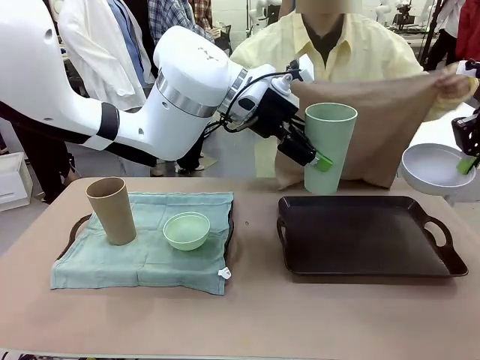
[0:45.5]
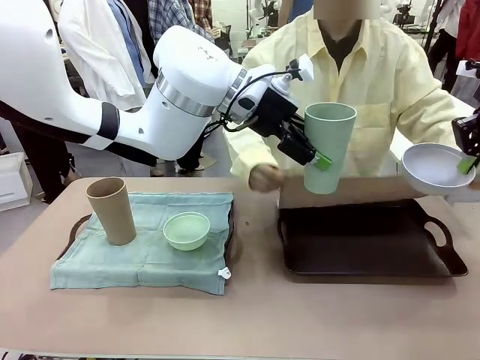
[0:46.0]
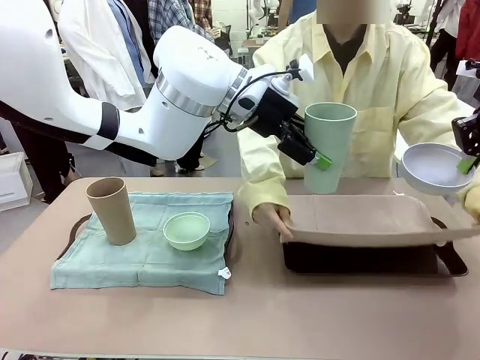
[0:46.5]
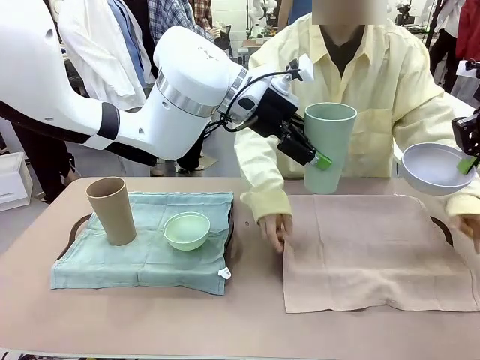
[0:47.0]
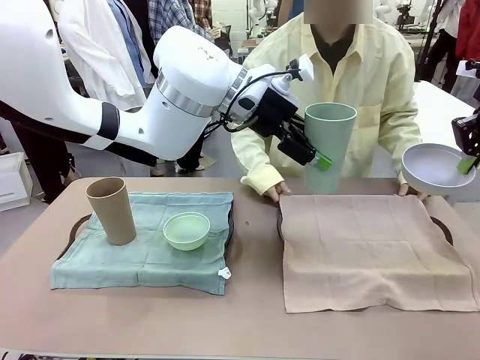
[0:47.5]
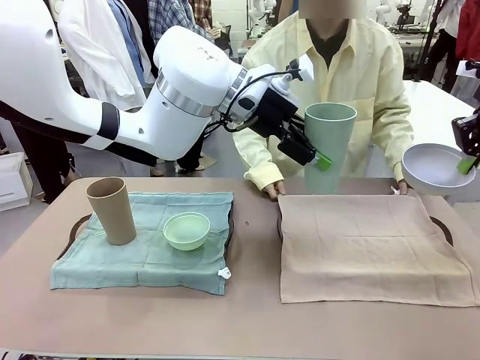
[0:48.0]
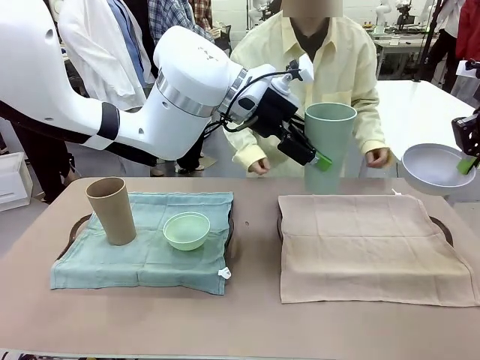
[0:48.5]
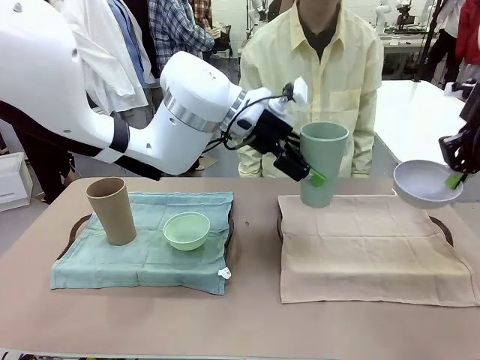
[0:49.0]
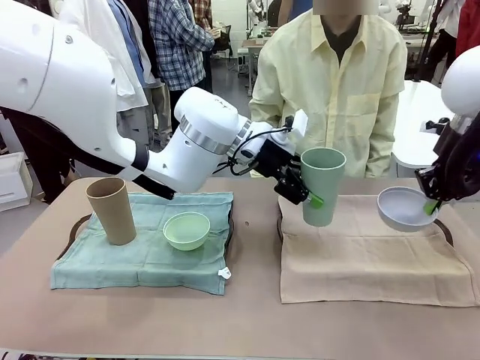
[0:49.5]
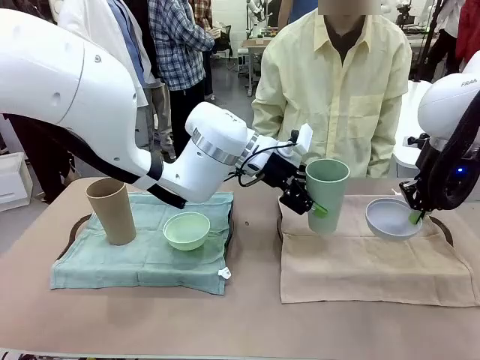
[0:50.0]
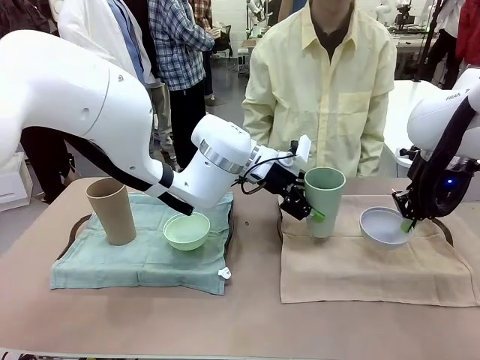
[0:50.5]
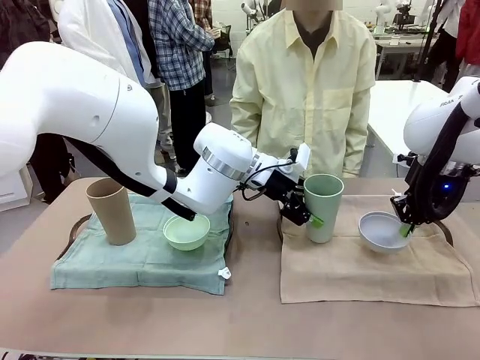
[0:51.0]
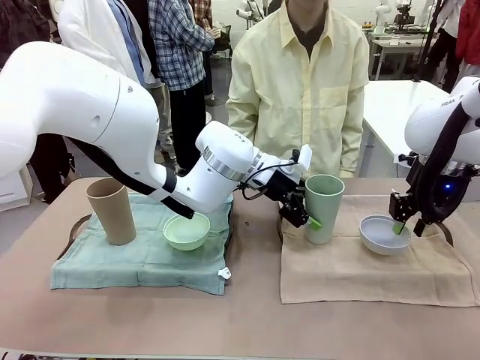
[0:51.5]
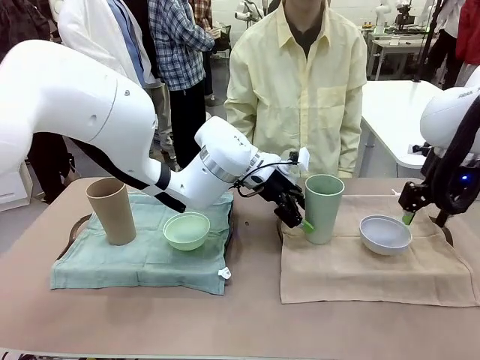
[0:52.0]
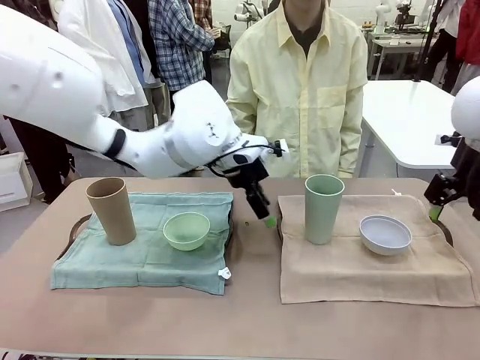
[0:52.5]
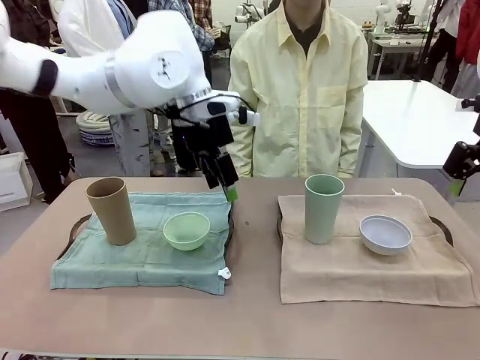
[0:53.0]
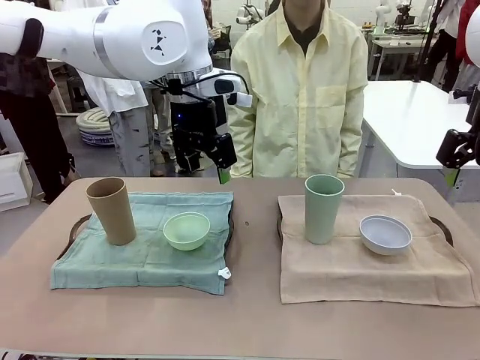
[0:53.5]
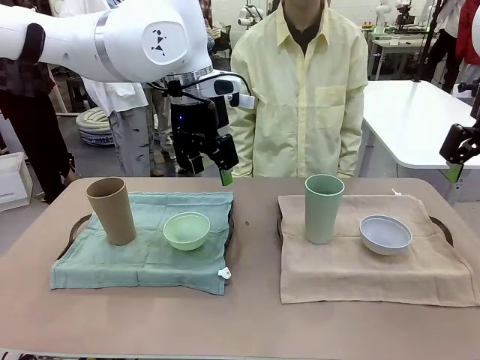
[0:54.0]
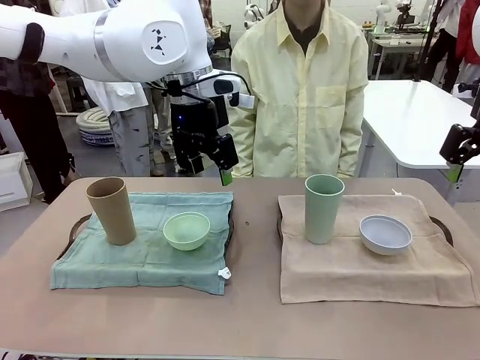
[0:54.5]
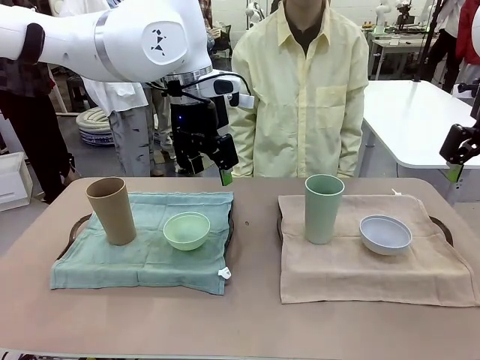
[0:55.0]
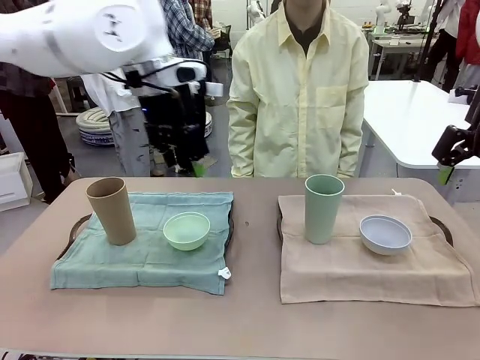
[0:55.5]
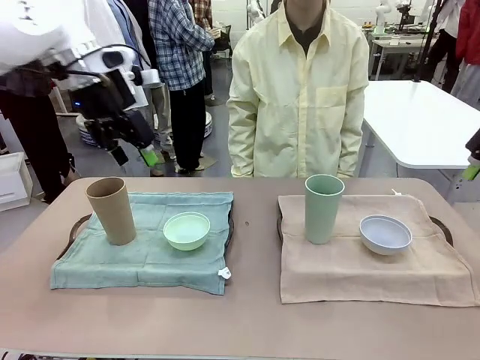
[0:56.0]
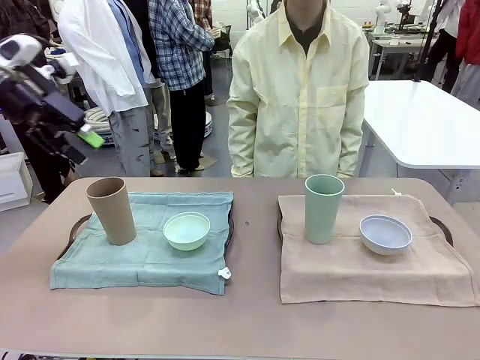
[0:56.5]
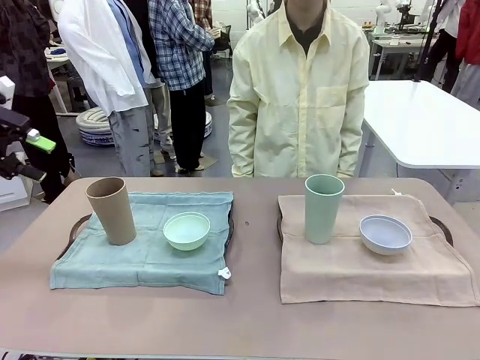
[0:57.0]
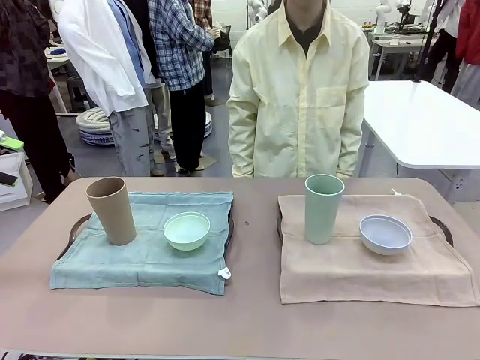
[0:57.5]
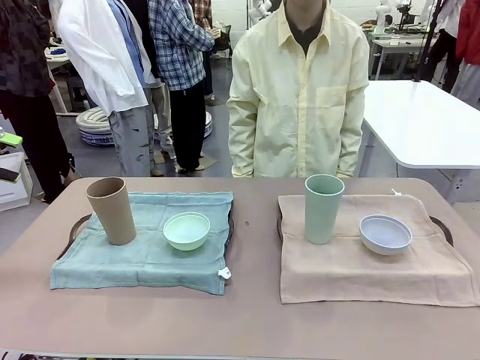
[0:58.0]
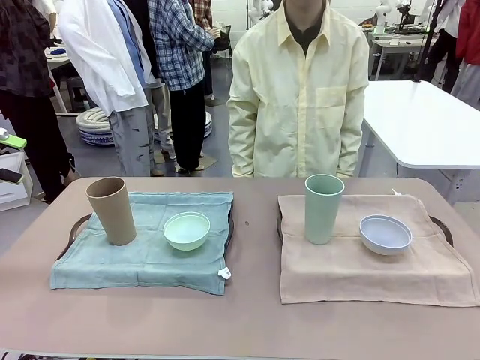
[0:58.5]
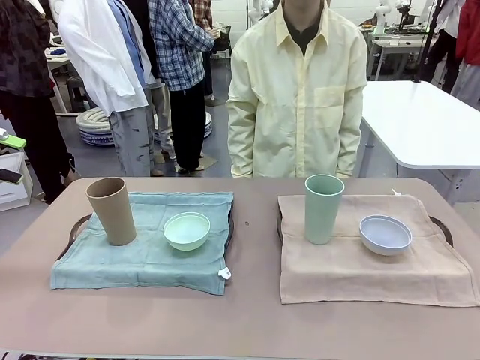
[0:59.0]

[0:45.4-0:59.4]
Robot: Place the Picnic Bowl and Reusable plastic cup back onto the Handle tray in front of the human's position.
Person: When the robot lifts the bowl and the cup, the human unfolds the napkin and lays the napkin flat on the tray.

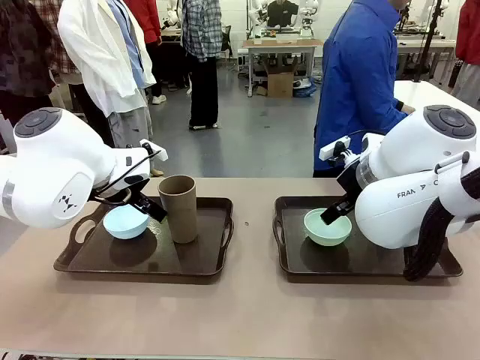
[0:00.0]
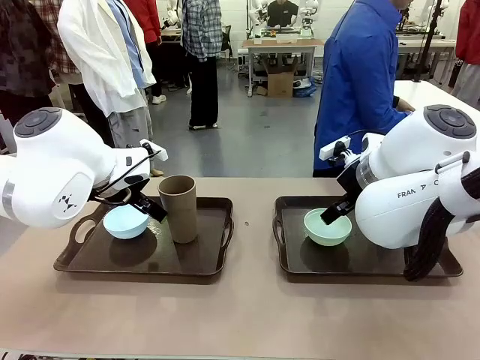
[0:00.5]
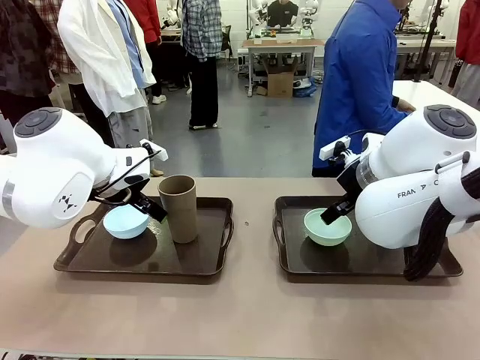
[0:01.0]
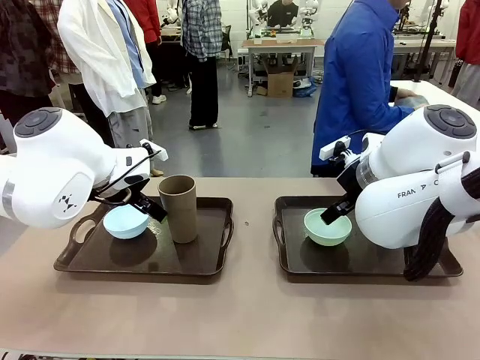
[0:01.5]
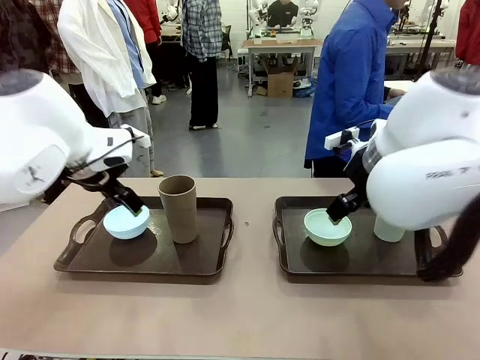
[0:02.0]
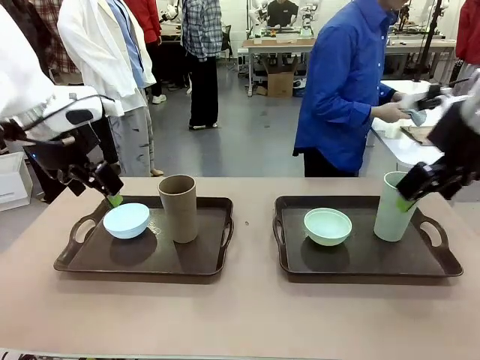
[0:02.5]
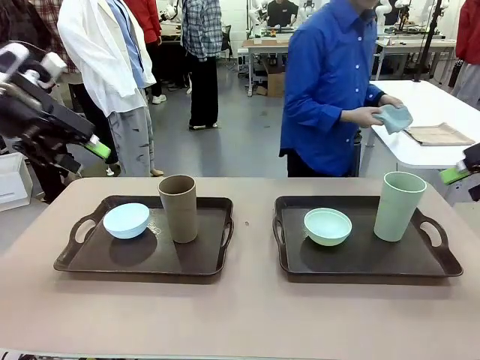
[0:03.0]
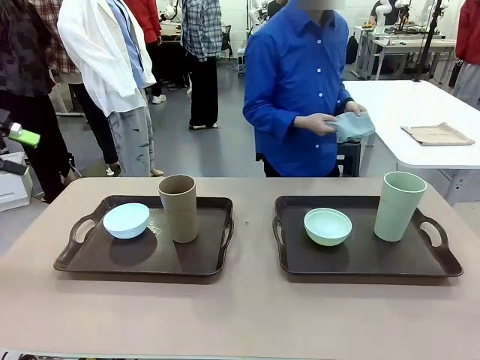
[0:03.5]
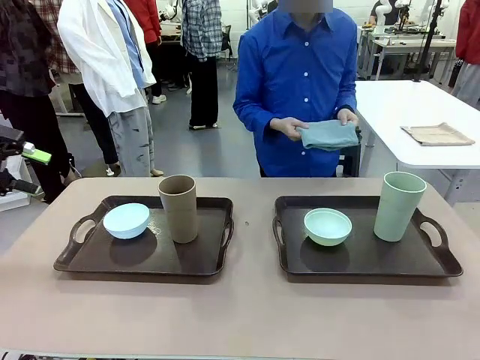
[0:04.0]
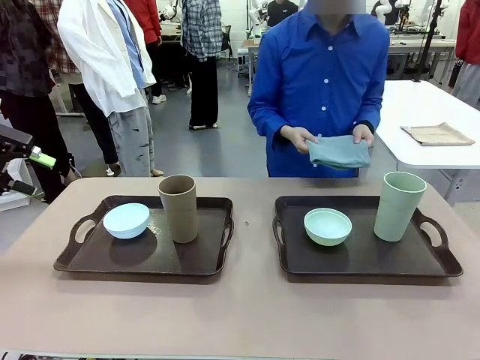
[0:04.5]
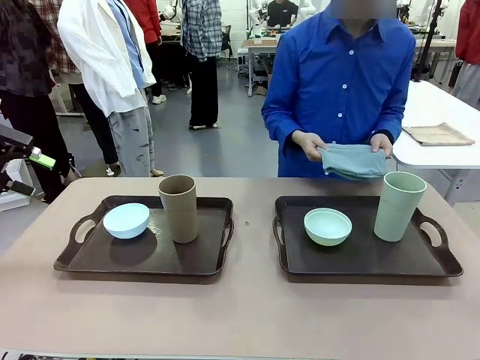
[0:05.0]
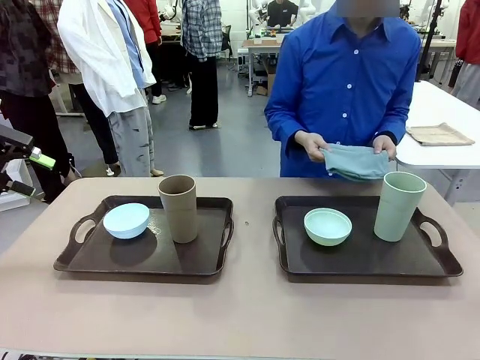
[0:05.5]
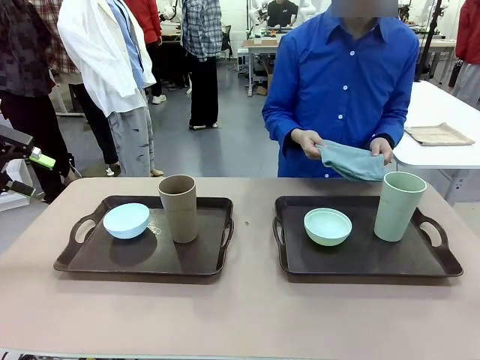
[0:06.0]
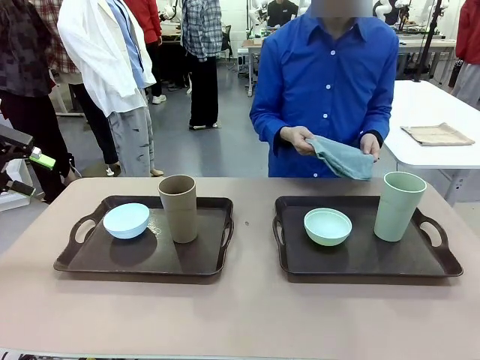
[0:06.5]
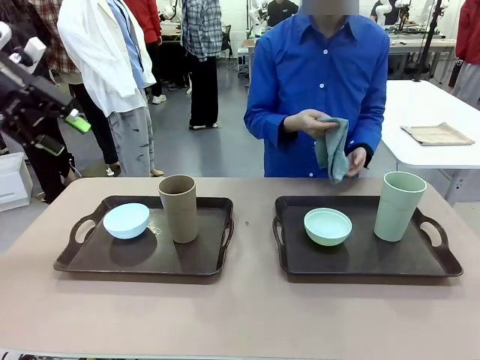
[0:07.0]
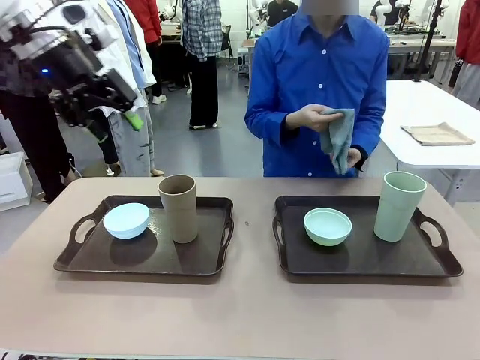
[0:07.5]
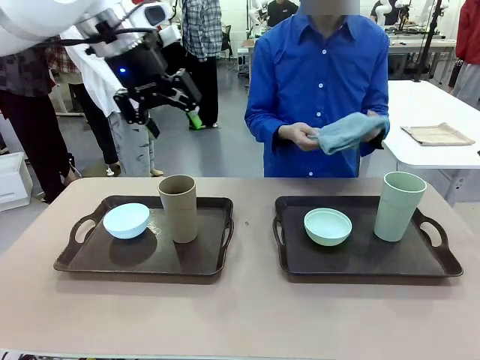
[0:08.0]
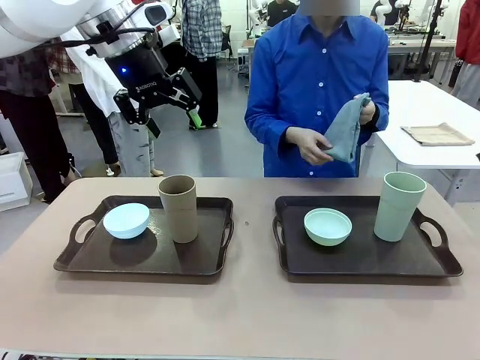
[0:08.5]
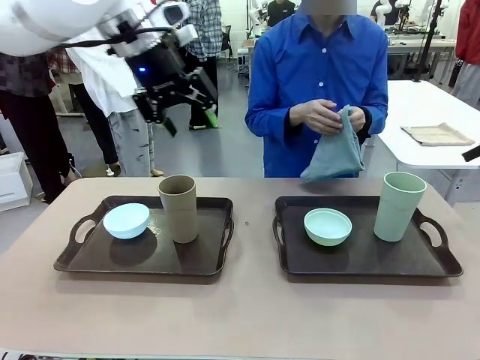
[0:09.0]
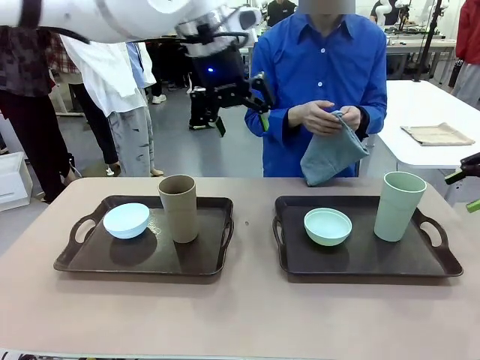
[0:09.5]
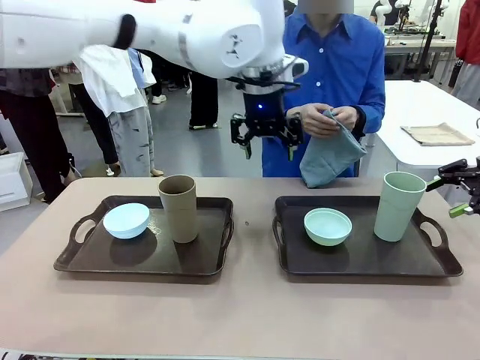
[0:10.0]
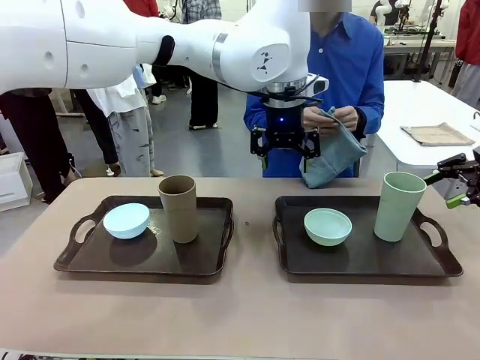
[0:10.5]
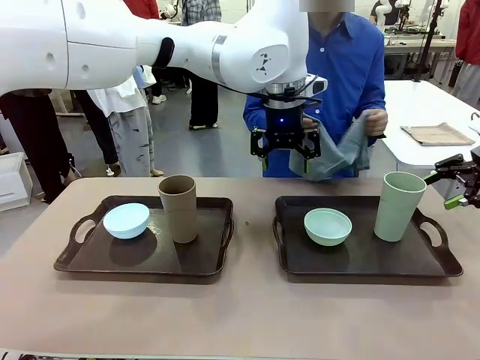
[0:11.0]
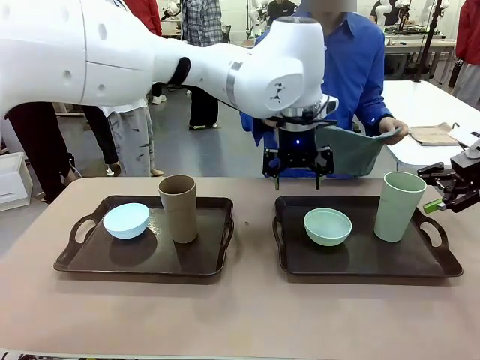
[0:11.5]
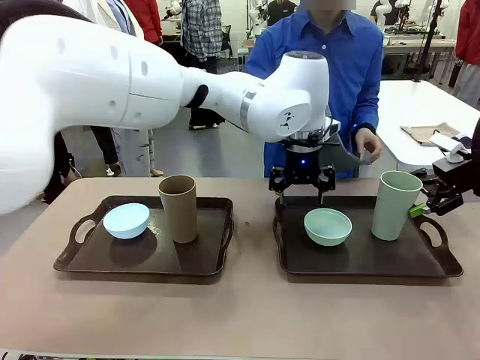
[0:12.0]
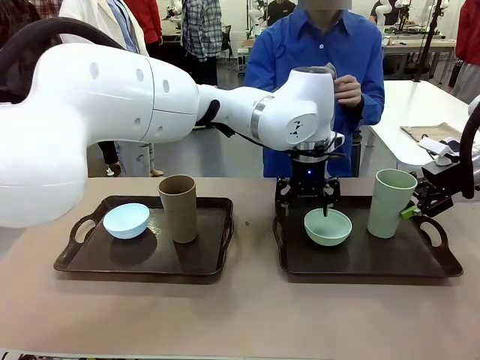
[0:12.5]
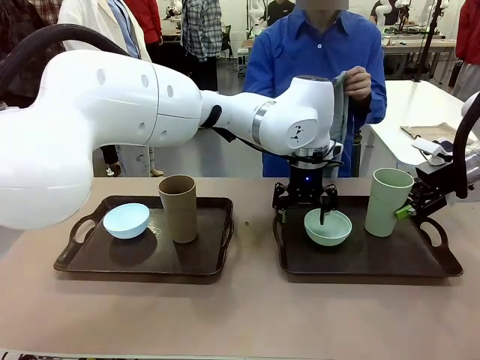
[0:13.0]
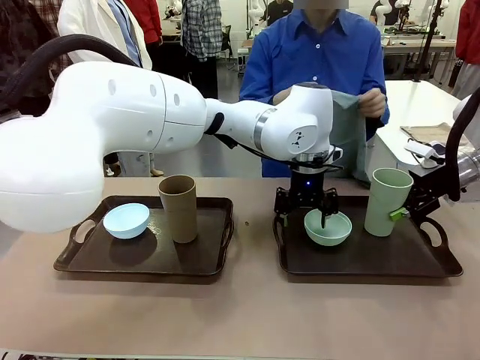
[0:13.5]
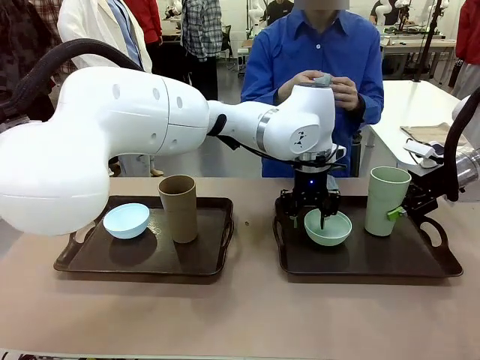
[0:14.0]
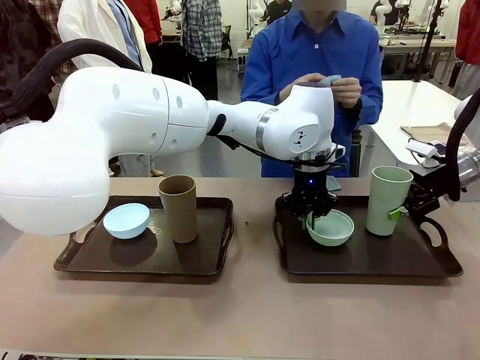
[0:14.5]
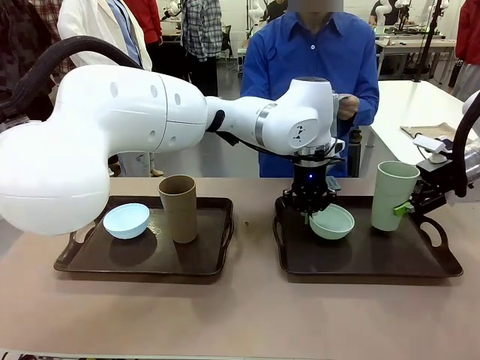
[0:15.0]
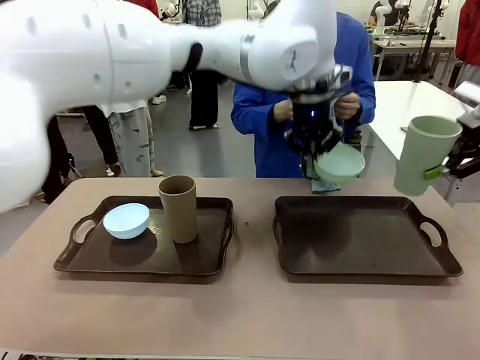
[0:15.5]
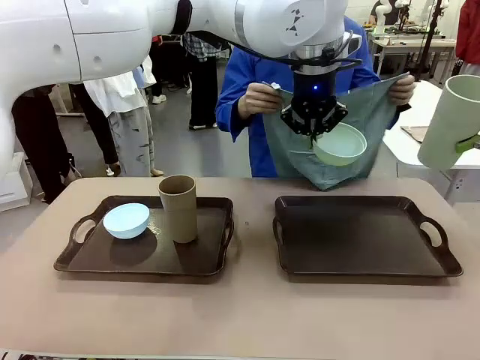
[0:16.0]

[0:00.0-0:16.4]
Robot: Pick up the Picnic Bowl and Reusable plastic cup from the Handle tray in front of the human's position and hold them in the air.
Person: The human picks up the top napkin from the stack on the human table and walks to the robot table to stand in front of one of the two trays. When the robot lifts the bowl and the cup, the human unfolds the napkin and lays the napkin flat on the tray.
